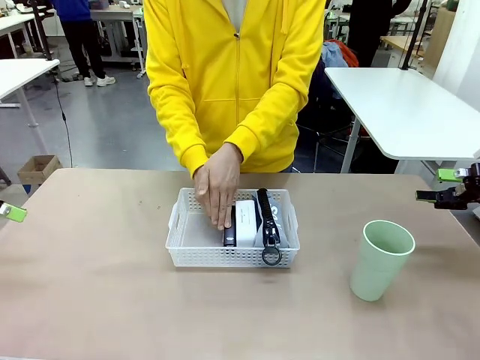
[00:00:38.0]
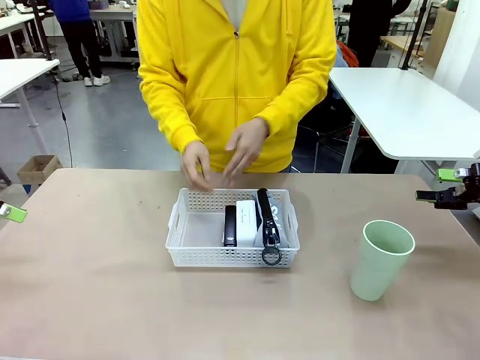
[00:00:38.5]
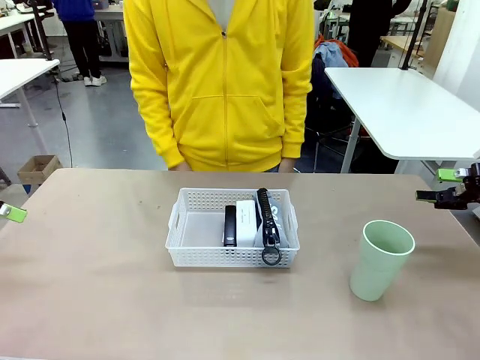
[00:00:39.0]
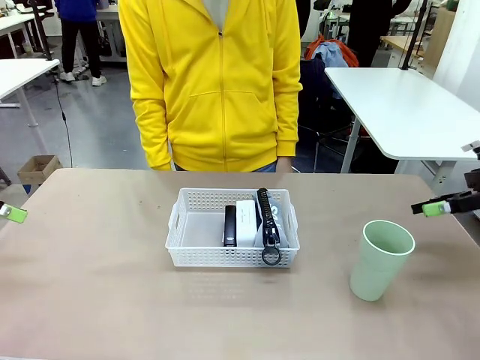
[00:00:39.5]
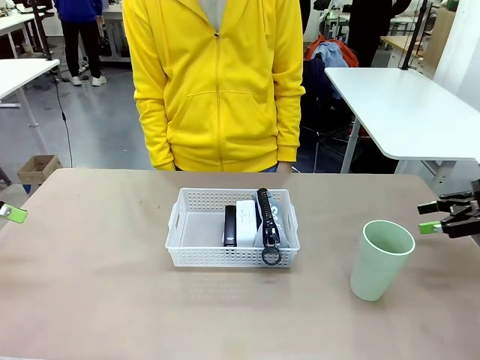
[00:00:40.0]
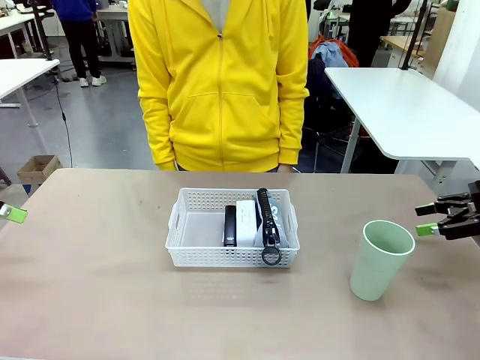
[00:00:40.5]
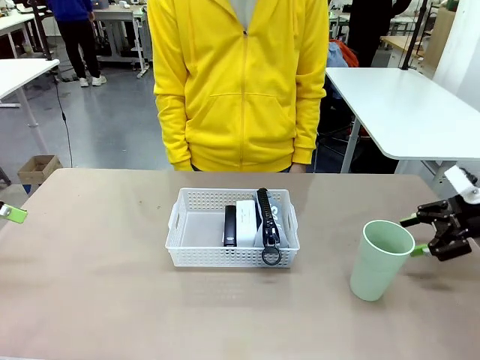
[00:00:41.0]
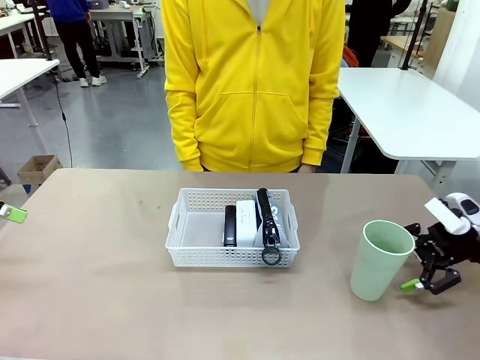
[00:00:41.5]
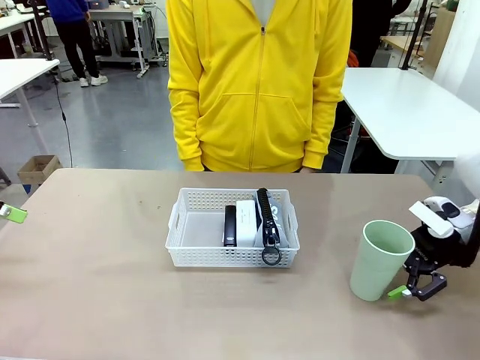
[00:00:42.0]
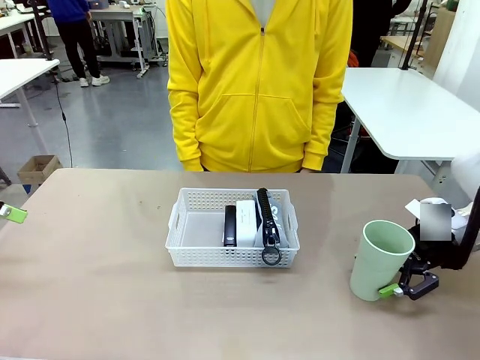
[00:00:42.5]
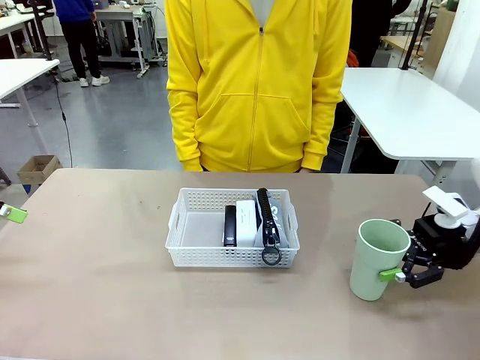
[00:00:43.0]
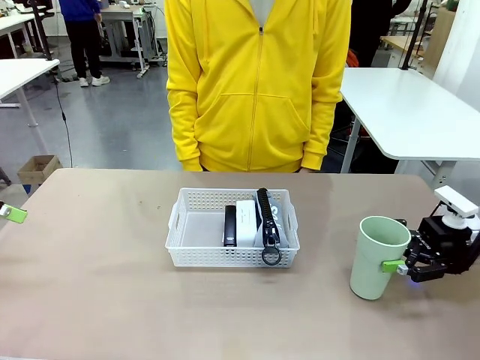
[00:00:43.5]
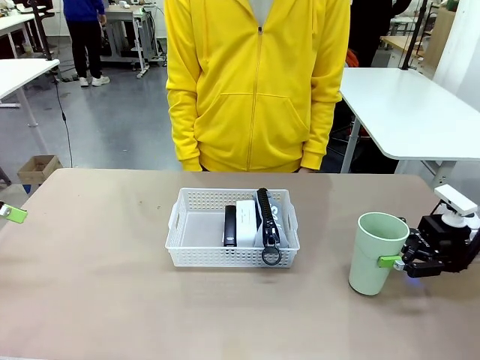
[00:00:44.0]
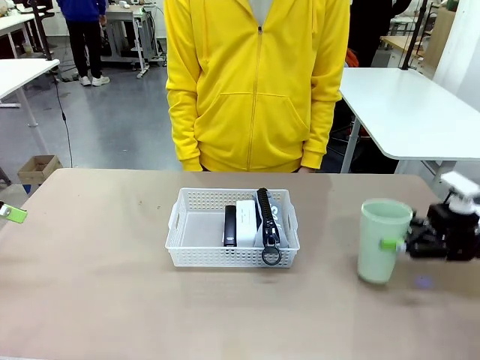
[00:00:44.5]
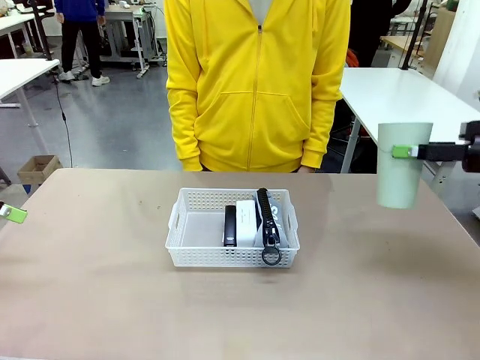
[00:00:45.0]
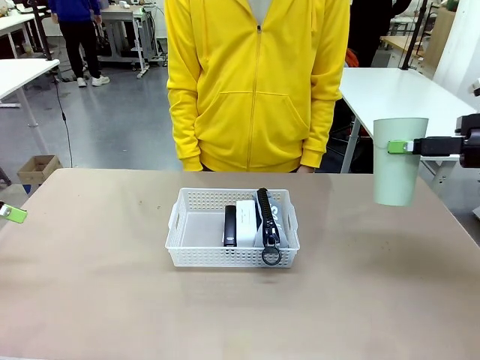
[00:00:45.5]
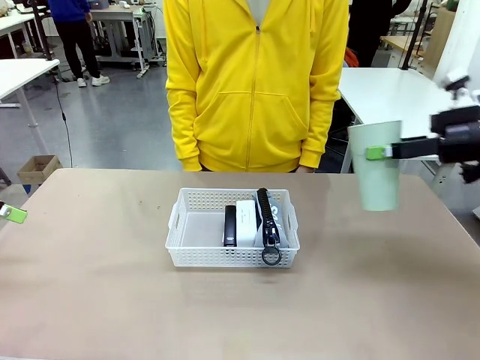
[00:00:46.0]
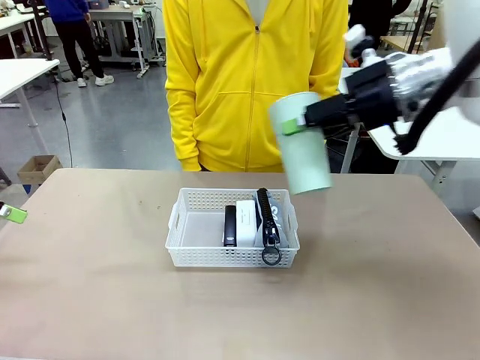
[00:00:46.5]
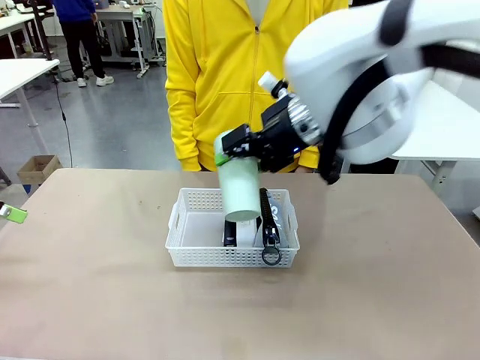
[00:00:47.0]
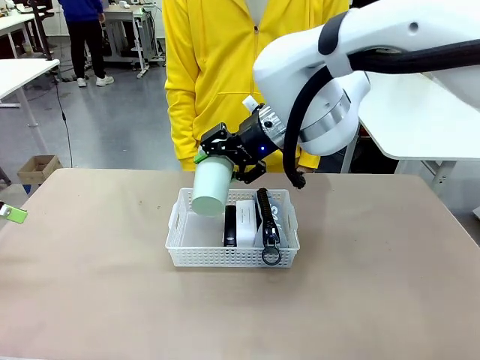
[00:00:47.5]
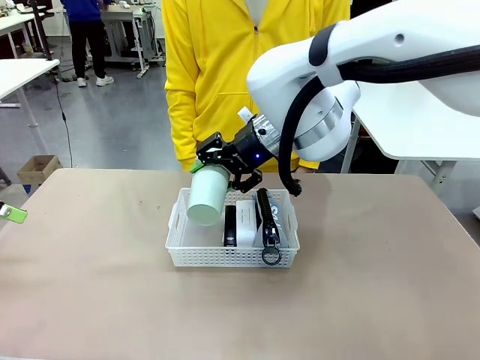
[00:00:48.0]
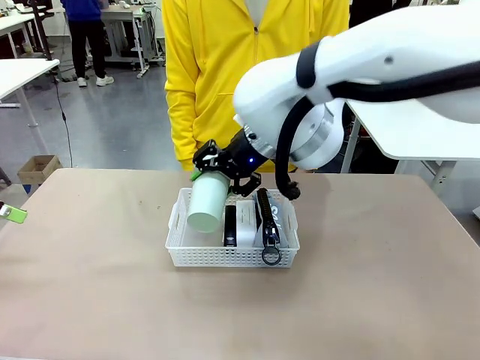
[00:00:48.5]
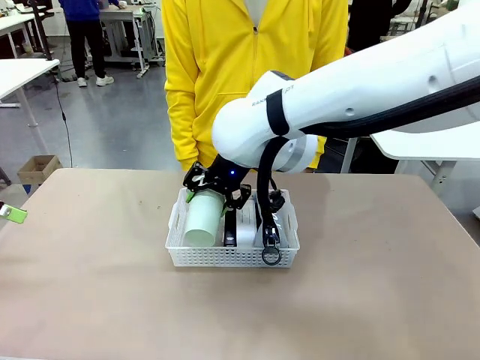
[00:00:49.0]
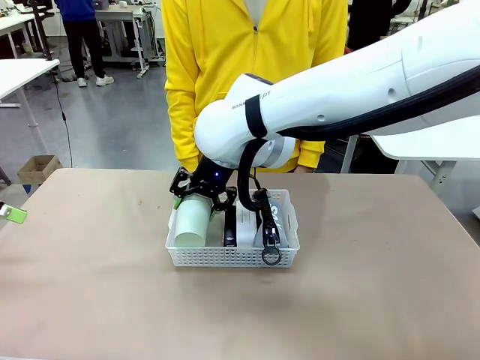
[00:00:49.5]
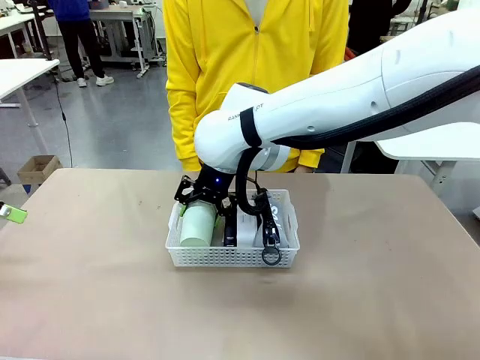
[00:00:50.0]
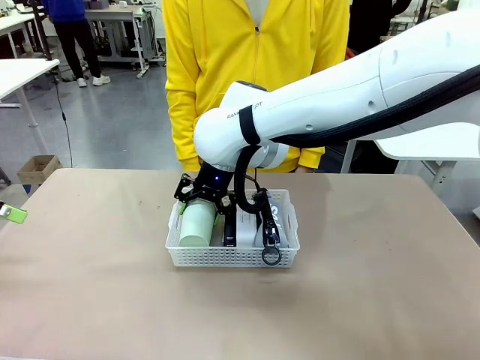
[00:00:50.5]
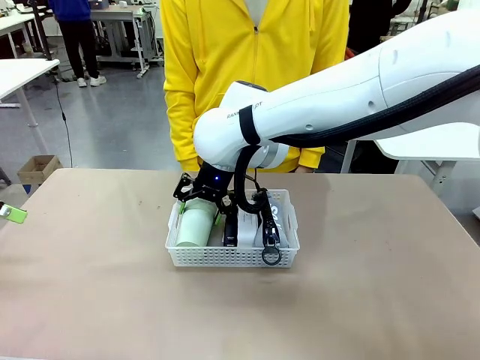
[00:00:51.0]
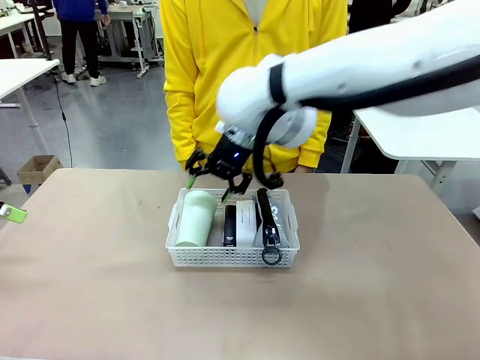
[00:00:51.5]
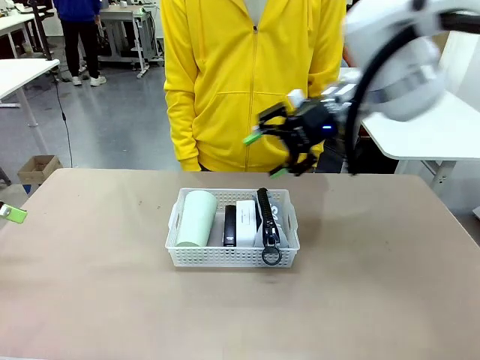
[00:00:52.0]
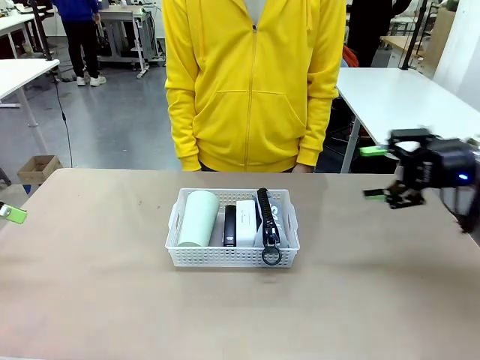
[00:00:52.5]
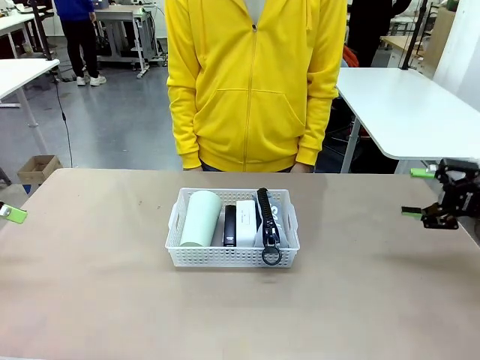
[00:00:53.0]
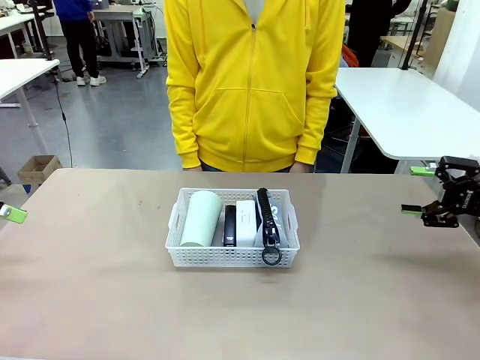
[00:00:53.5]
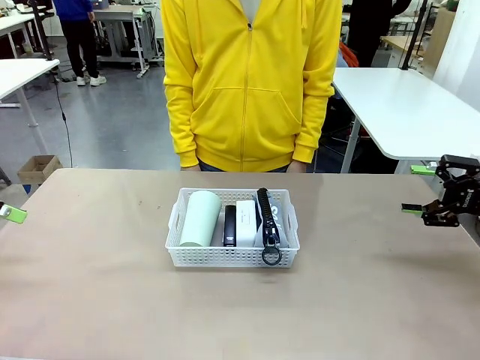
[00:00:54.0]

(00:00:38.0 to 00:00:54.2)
Task: Efficiently arrange items inside the basket to fit them all.
Robot: Pick up the Reusable plastic cup and place it inside the Organizing basket.
Person: Repositions the stapler.

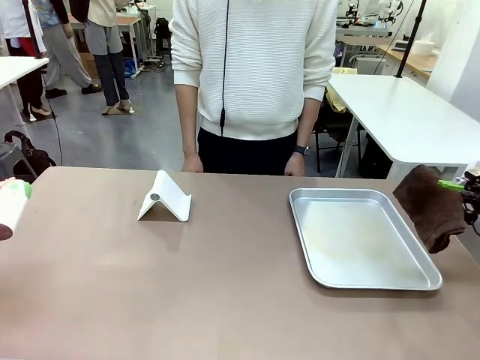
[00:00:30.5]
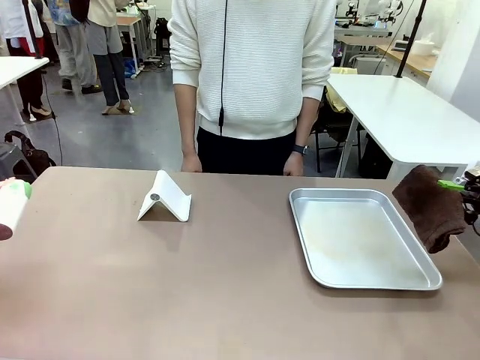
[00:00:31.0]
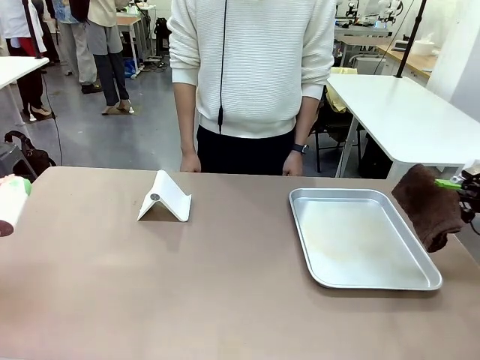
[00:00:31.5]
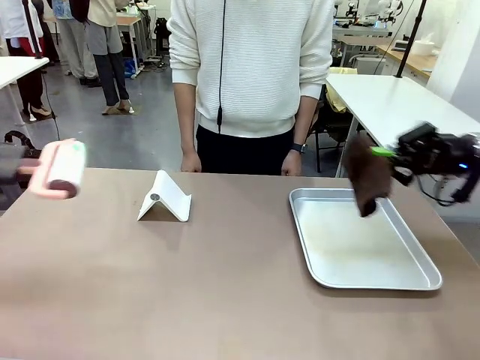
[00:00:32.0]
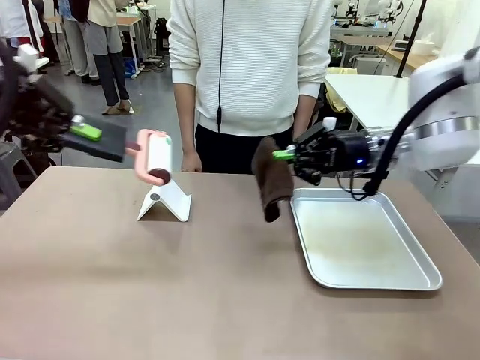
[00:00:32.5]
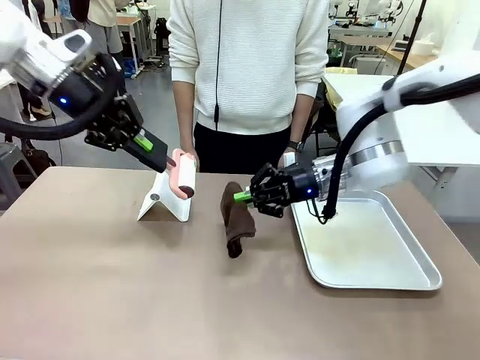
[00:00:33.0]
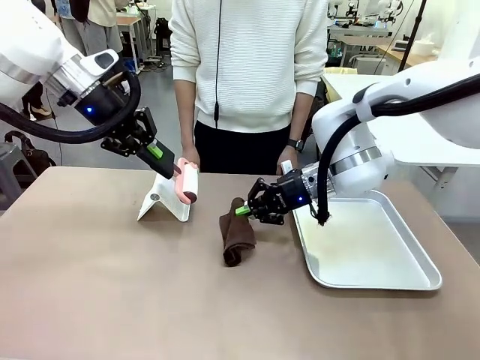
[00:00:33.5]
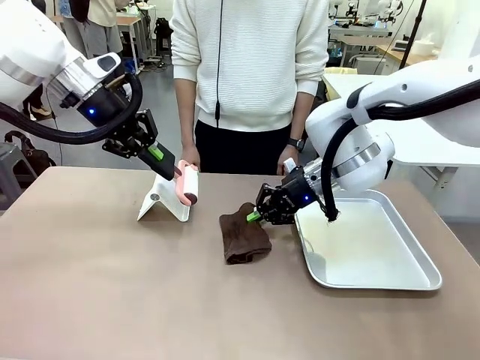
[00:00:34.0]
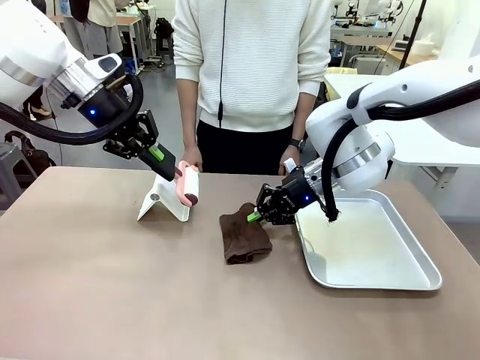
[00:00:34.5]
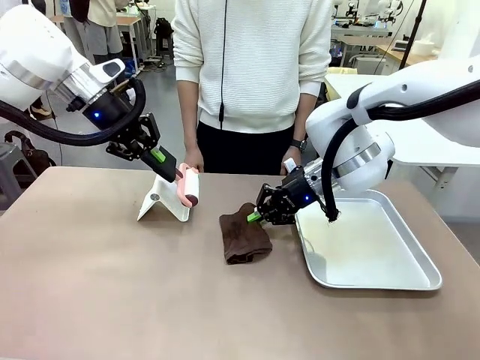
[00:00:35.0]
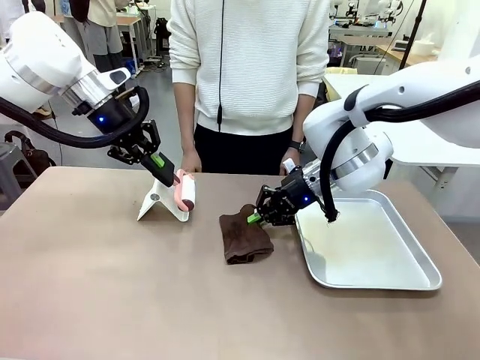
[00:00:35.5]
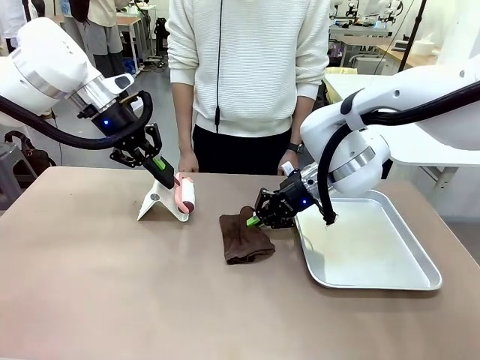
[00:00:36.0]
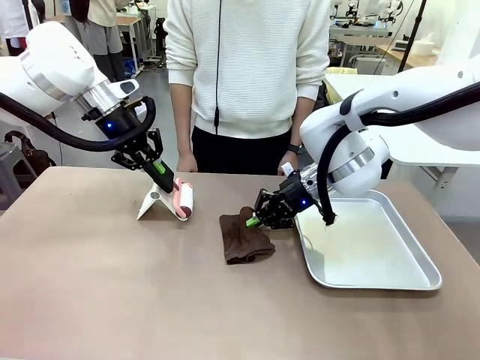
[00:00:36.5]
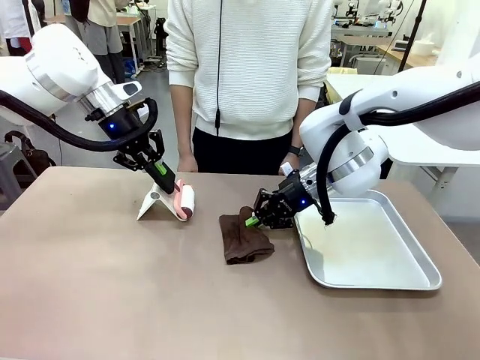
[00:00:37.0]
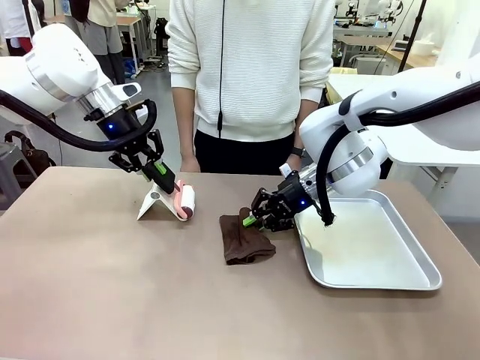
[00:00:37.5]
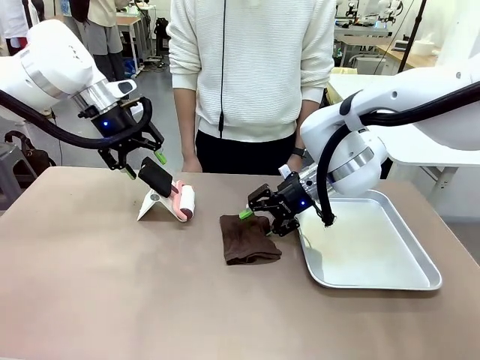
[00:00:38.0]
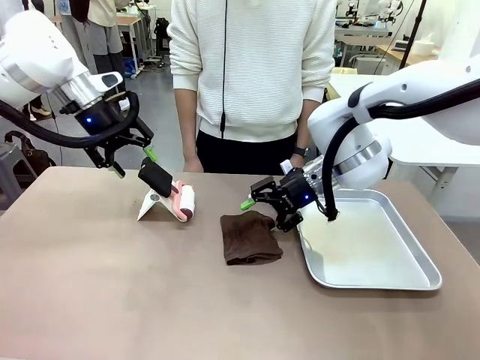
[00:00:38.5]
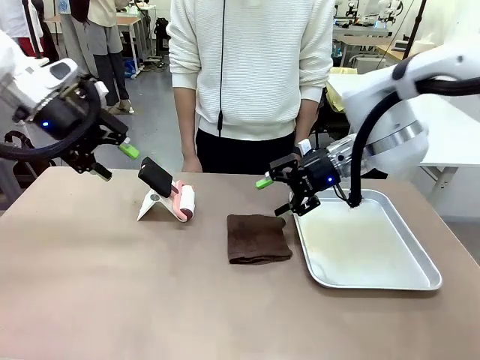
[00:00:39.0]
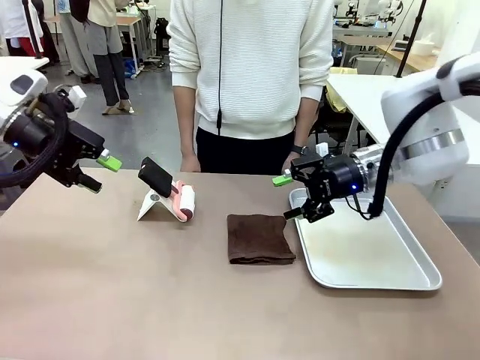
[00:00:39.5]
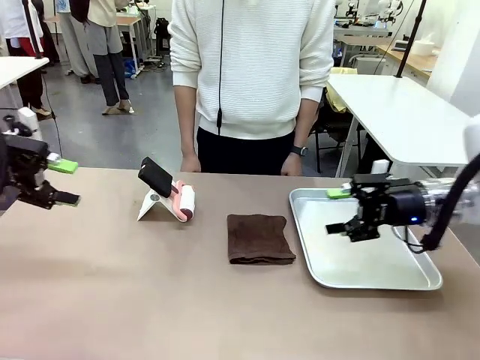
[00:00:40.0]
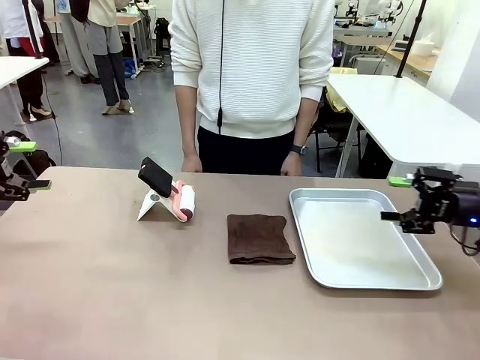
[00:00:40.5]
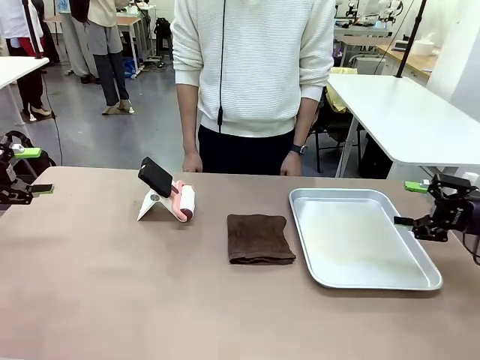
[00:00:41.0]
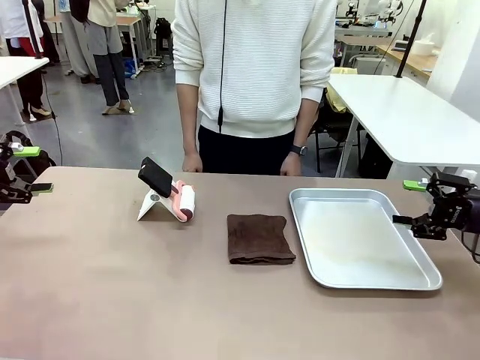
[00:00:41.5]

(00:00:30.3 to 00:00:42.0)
Task: Clean the surface of the table.
Robot: Return the Lint Roller and towel to their original positions.
